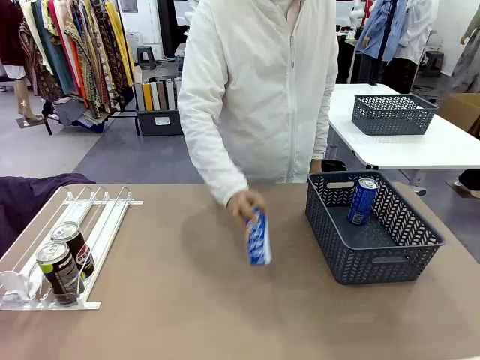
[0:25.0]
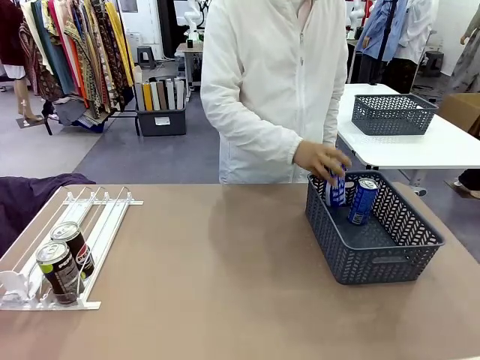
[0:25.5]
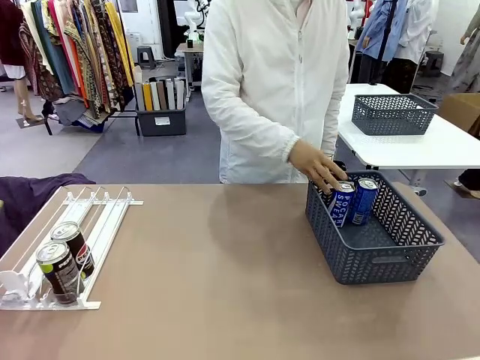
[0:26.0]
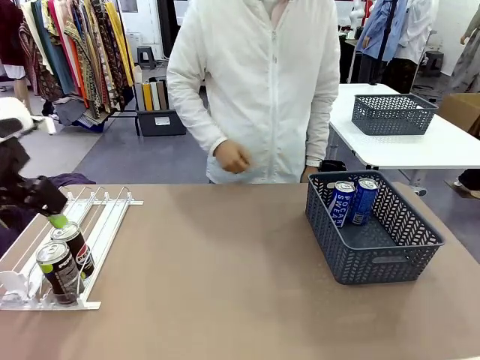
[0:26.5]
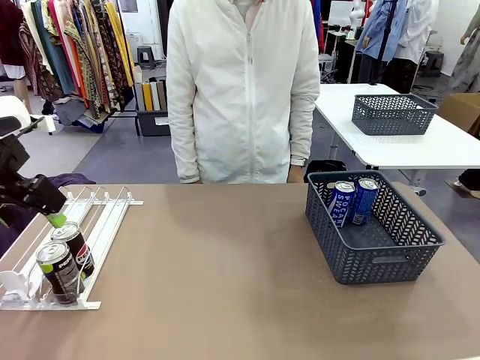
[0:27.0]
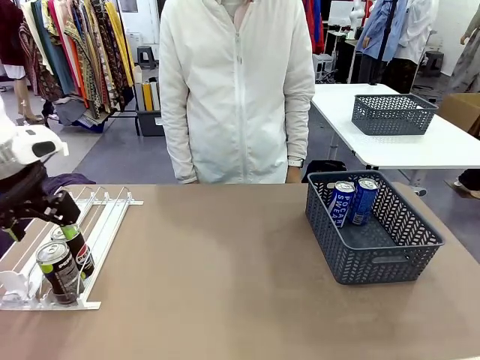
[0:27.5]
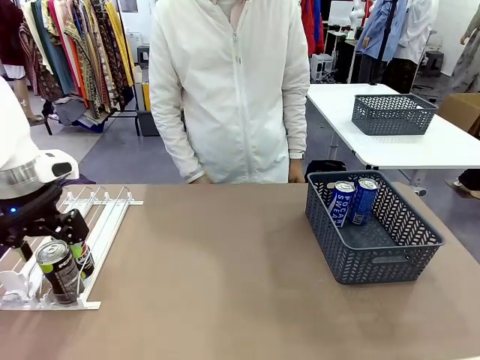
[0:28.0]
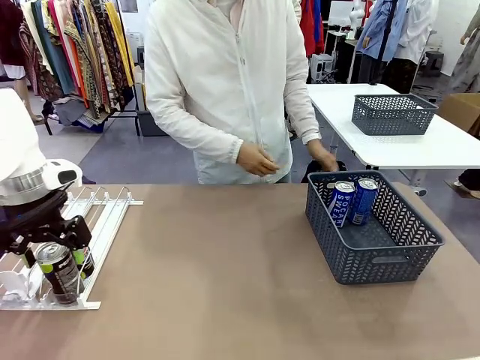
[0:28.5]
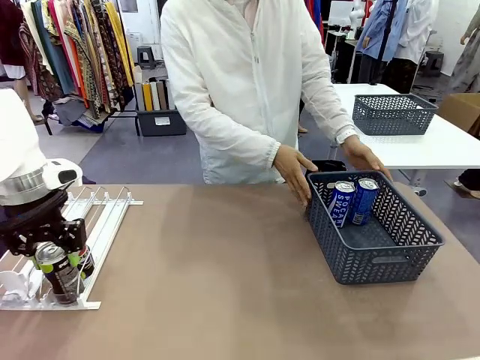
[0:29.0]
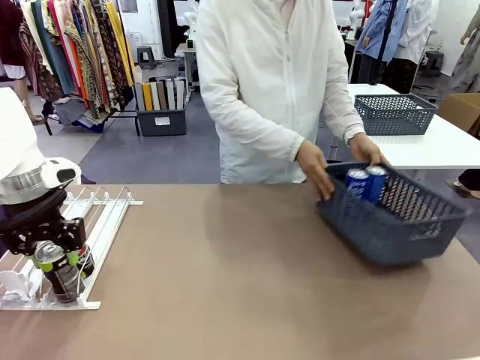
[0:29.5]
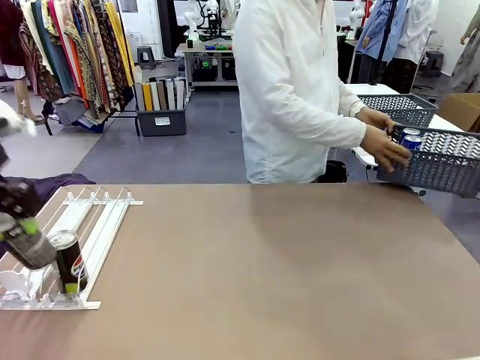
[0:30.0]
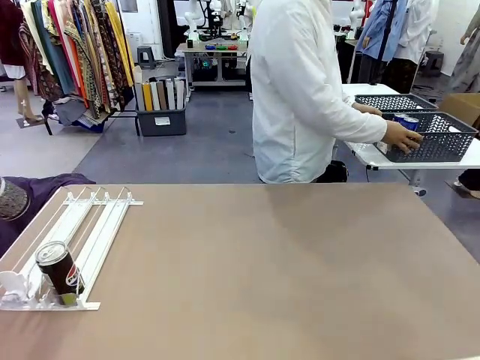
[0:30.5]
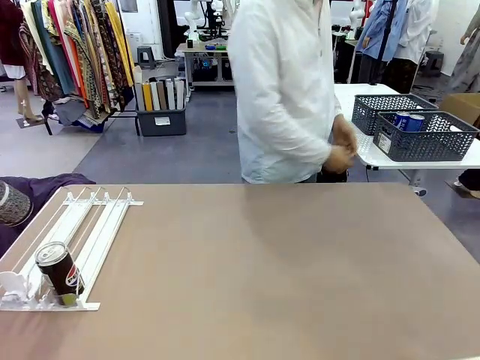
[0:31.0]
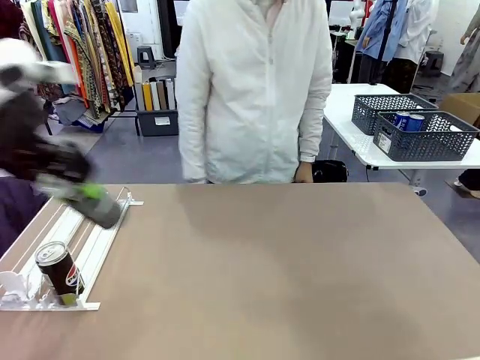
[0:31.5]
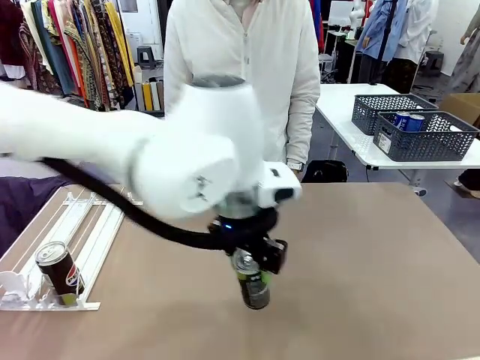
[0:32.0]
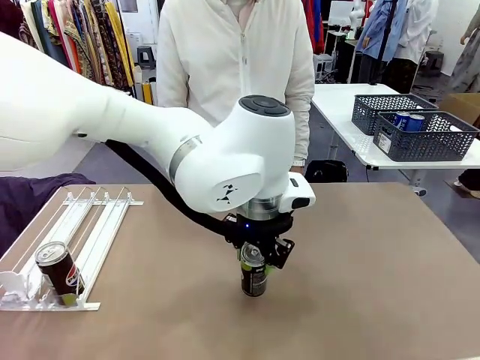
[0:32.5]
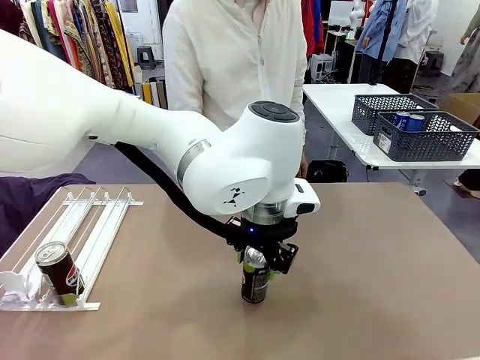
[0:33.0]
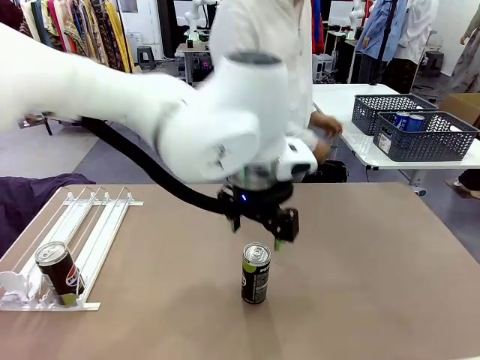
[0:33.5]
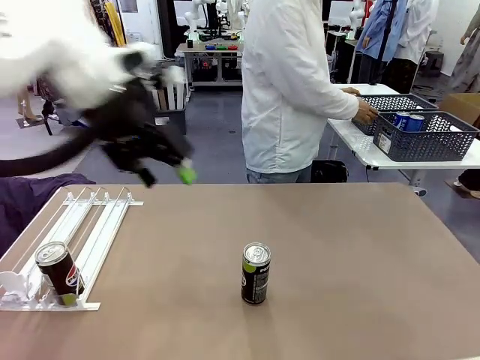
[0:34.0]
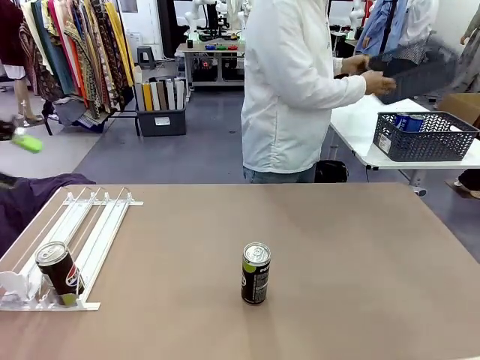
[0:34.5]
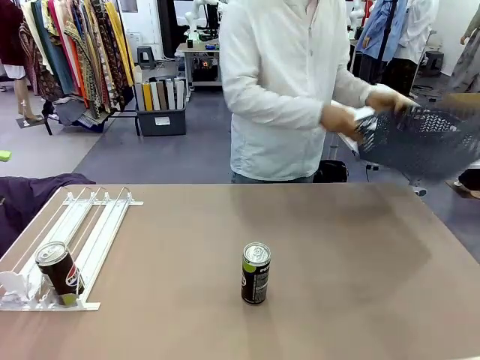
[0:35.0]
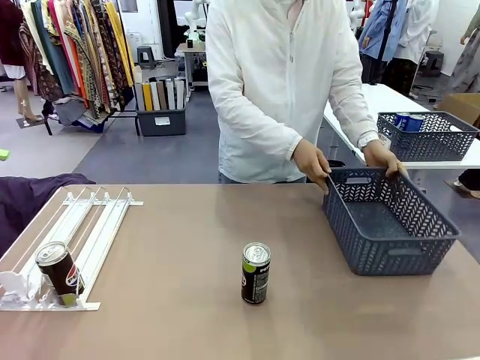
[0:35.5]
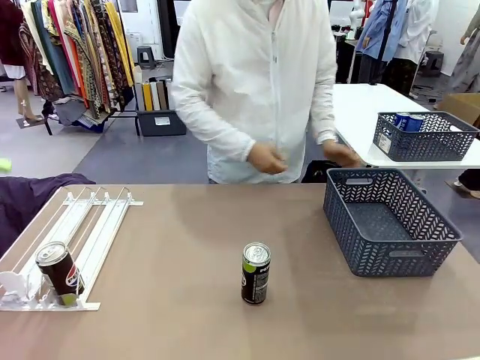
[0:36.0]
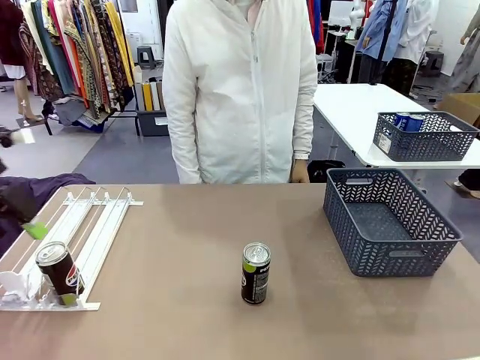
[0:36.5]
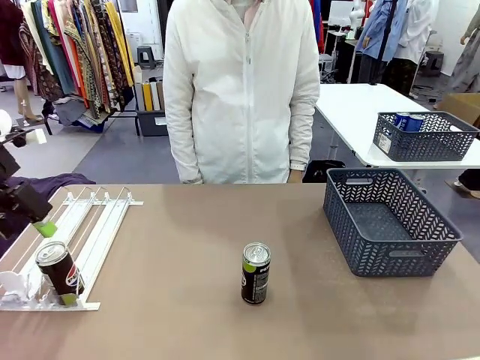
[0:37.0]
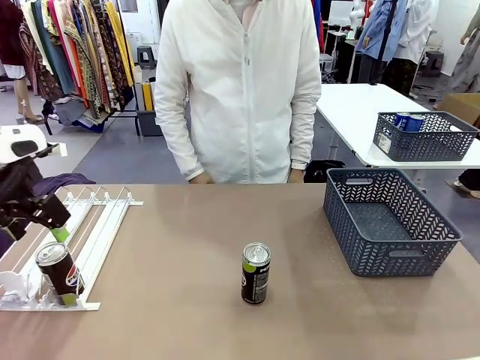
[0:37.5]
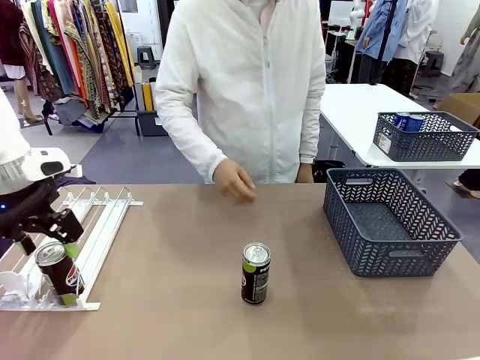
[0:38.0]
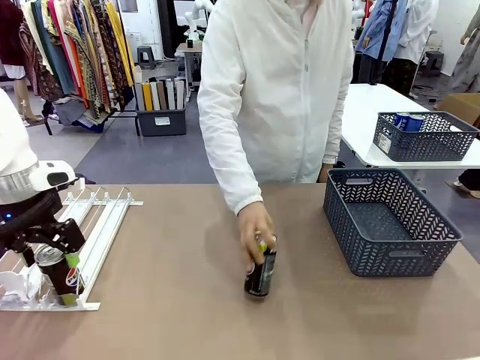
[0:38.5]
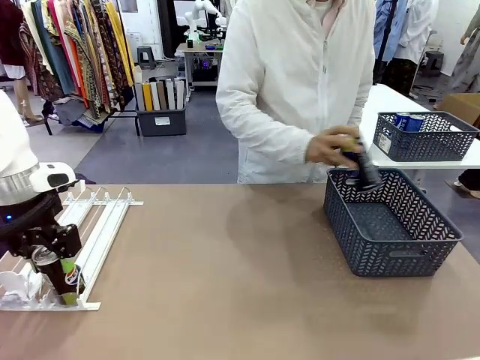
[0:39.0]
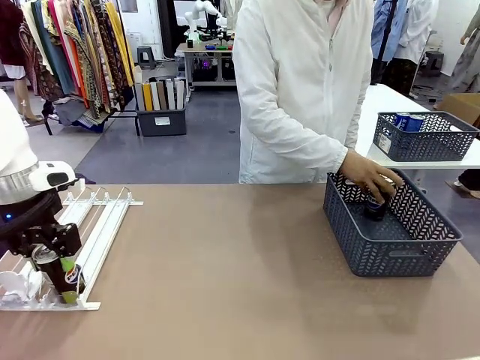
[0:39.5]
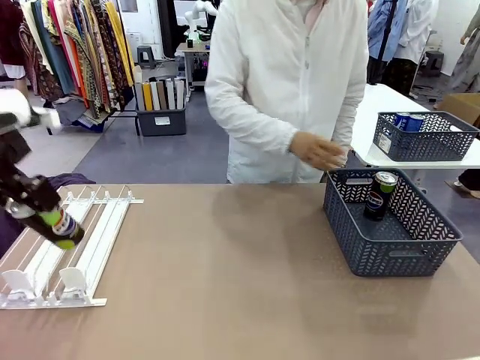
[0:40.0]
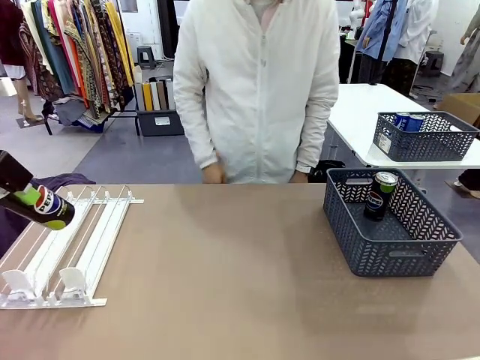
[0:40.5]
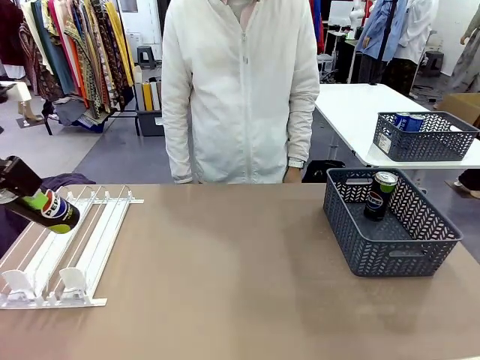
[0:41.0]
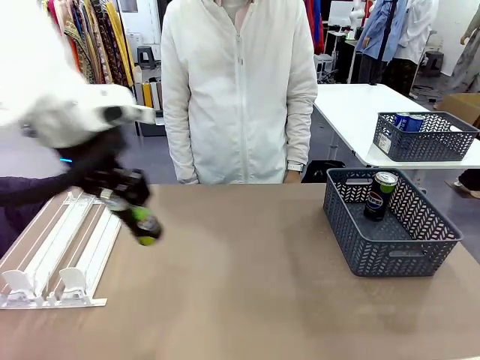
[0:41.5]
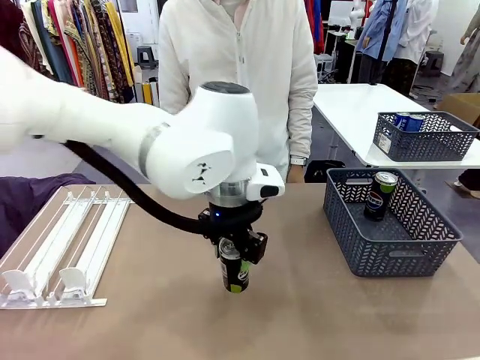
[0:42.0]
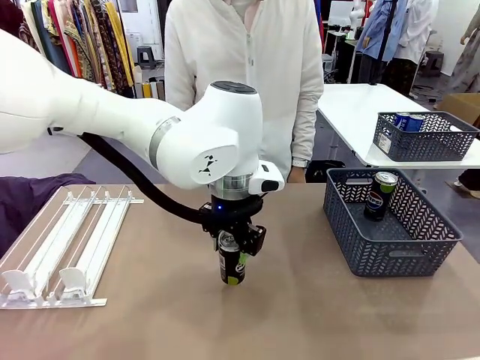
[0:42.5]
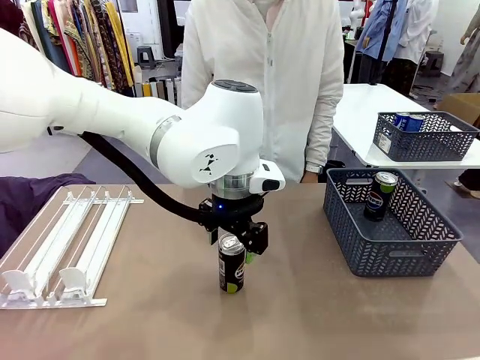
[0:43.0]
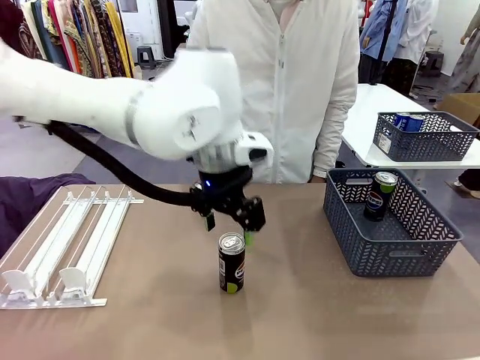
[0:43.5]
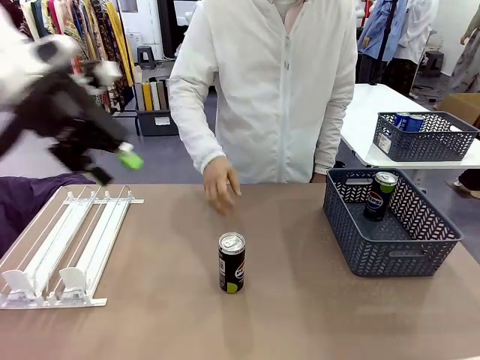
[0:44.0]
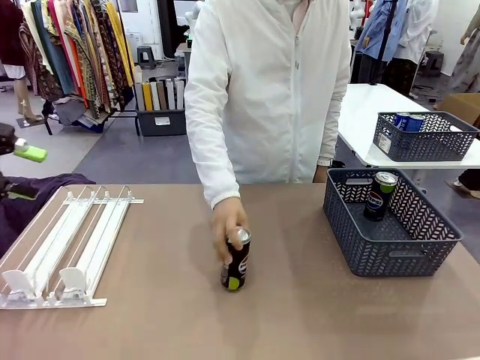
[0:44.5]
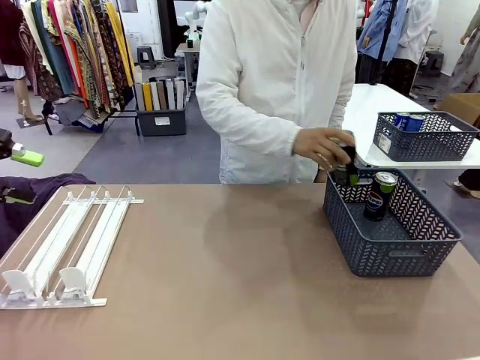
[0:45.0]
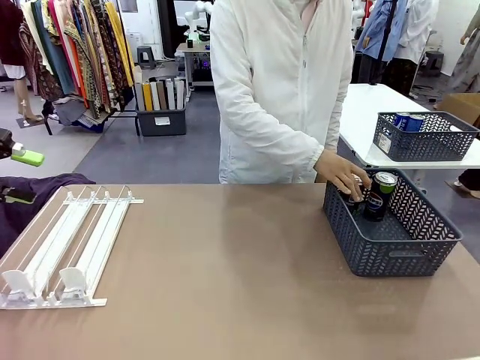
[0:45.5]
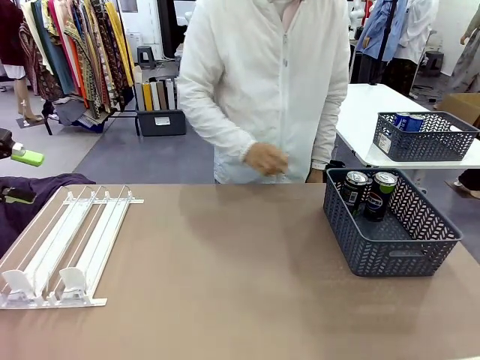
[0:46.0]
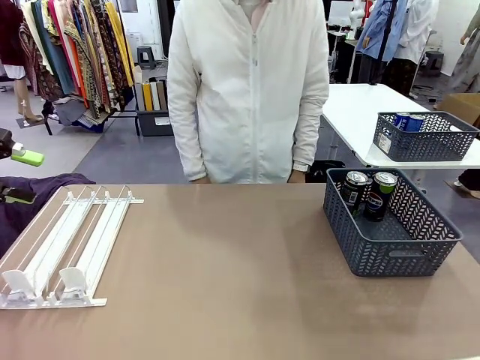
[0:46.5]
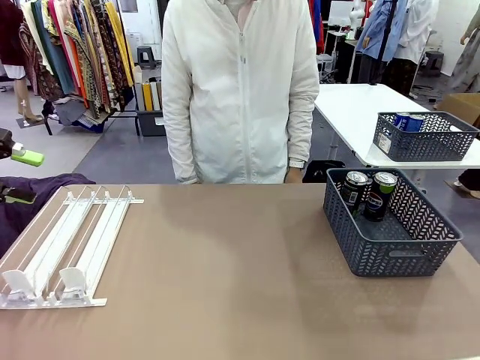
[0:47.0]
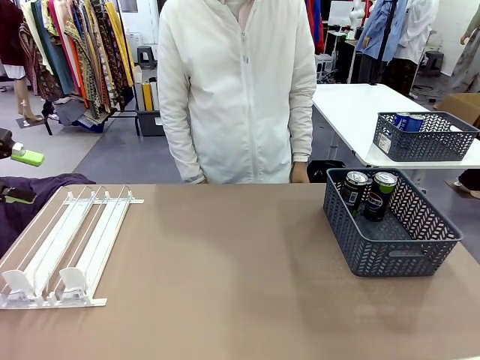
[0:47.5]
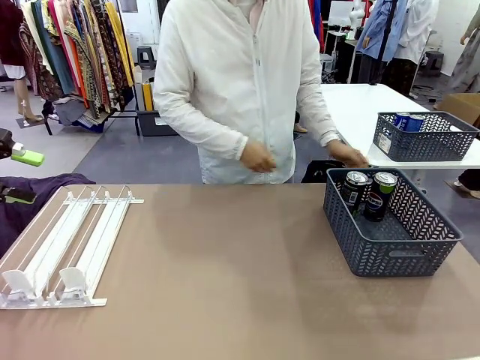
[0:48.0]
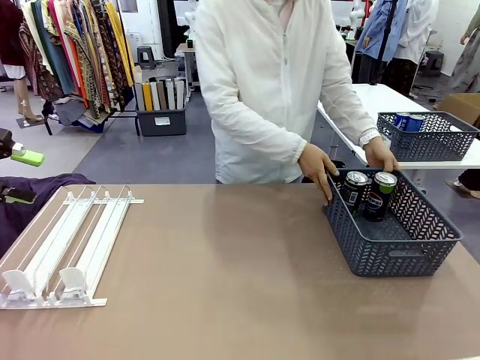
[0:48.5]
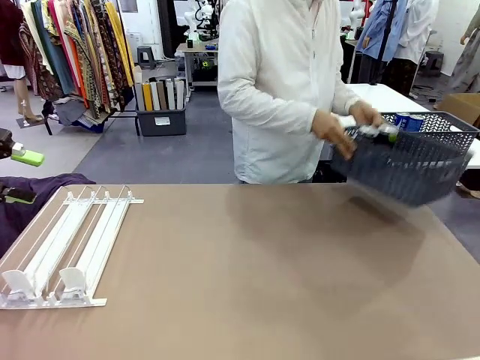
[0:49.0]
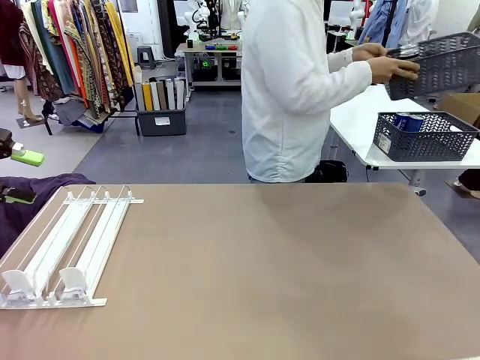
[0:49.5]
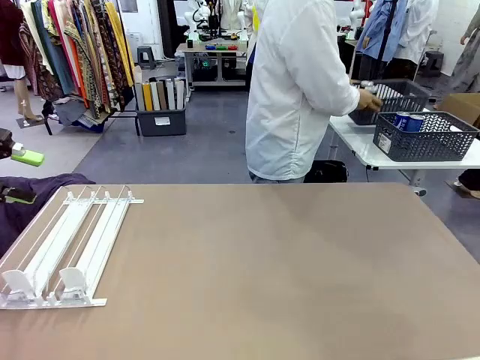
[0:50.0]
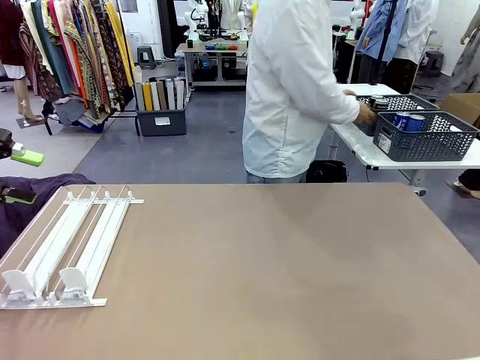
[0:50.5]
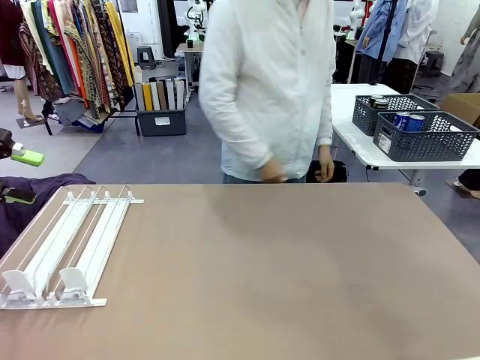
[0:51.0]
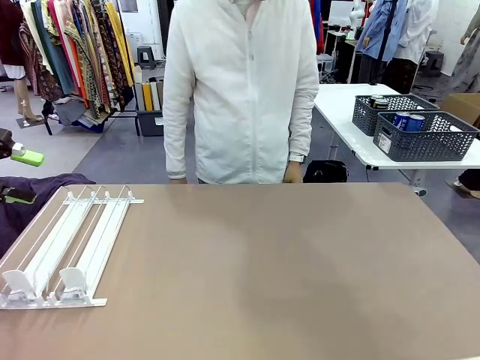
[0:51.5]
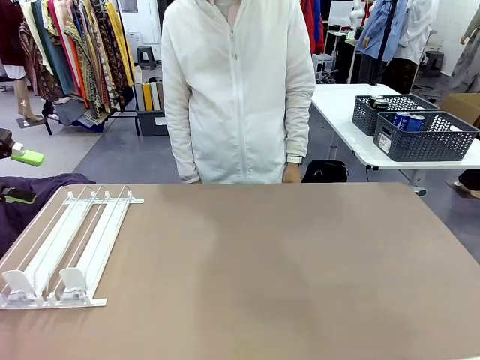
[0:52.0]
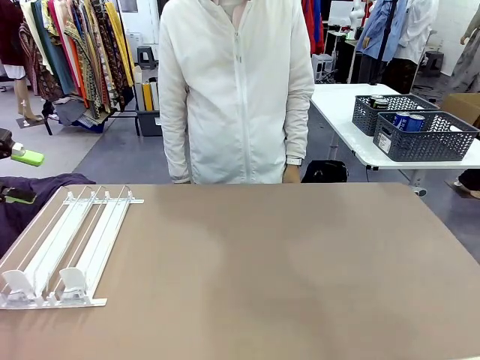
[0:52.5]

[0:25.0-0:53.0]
Task: Retrieve and store the cans from the dispenser.
Robot: Pick up one can from the Automatic Can Dispenser and place it in the middle of the table.
Person: Pick up the basket and place it in the middle of the human table. Pick up the empty basket and place it on the left side of the robot table. Pick up one sports drink can from the middle of the robot table and place it in the basket. Pick up the basket and place it in the middle of the human table.
